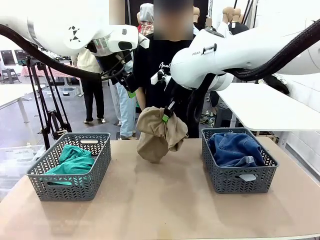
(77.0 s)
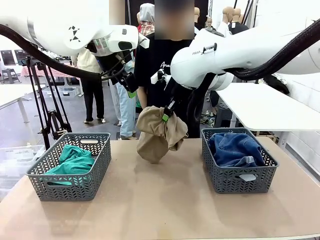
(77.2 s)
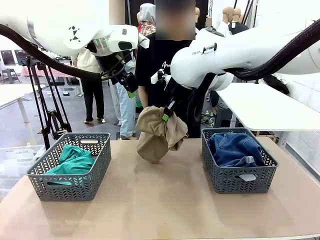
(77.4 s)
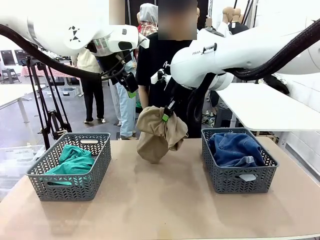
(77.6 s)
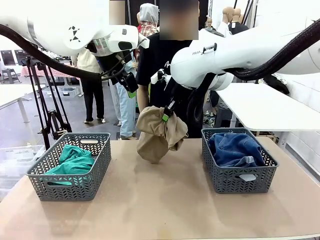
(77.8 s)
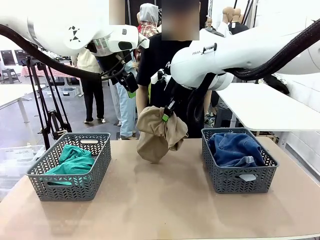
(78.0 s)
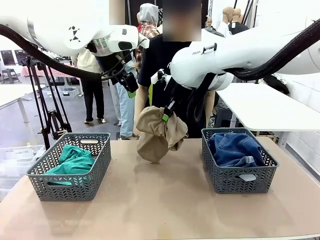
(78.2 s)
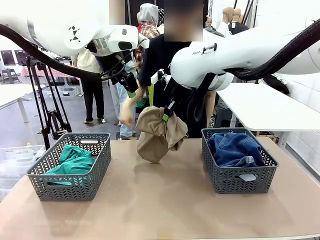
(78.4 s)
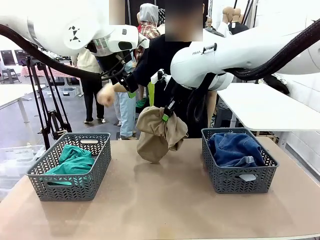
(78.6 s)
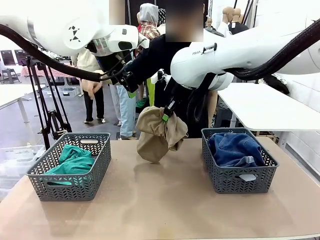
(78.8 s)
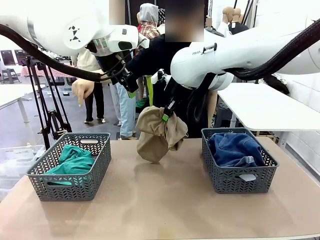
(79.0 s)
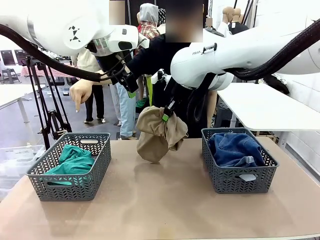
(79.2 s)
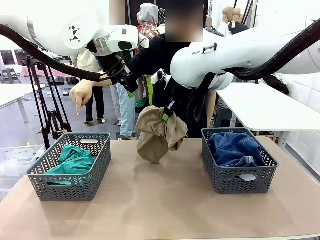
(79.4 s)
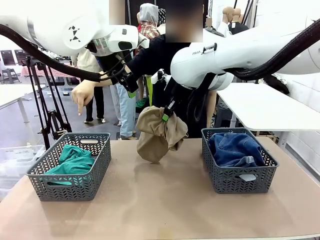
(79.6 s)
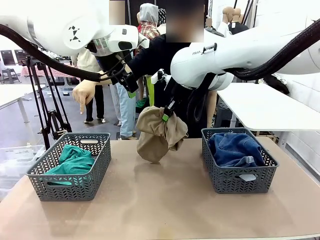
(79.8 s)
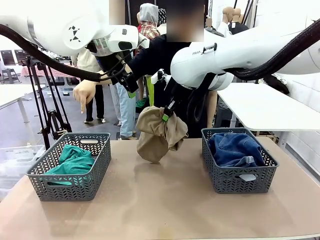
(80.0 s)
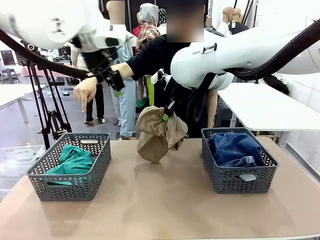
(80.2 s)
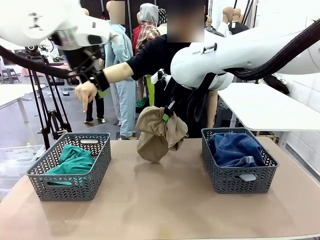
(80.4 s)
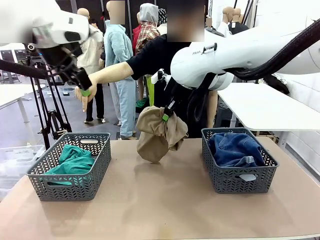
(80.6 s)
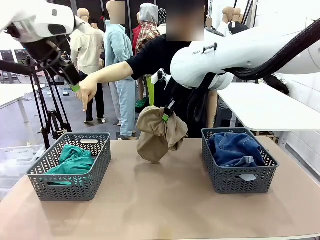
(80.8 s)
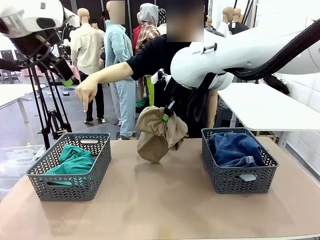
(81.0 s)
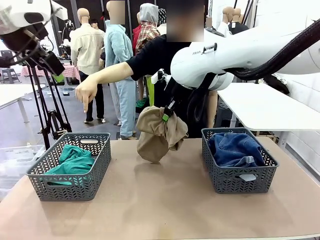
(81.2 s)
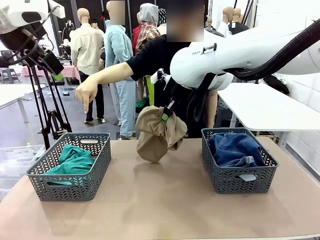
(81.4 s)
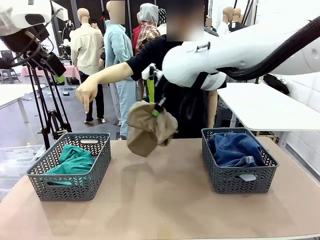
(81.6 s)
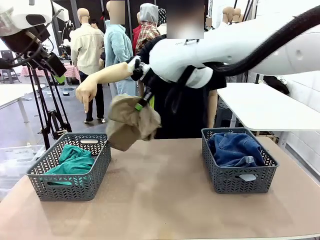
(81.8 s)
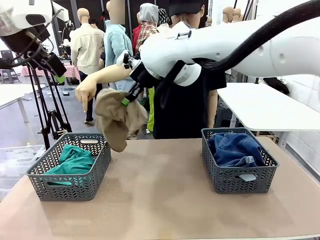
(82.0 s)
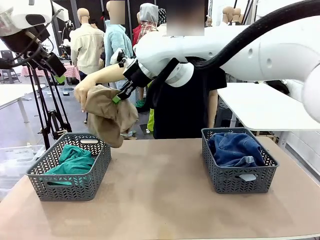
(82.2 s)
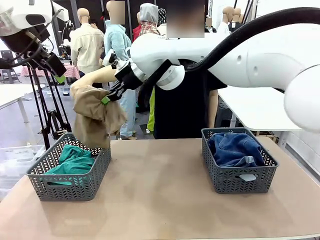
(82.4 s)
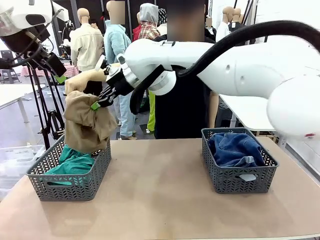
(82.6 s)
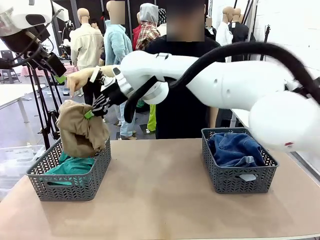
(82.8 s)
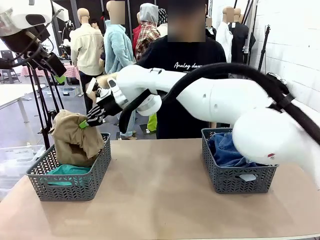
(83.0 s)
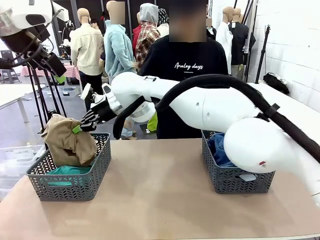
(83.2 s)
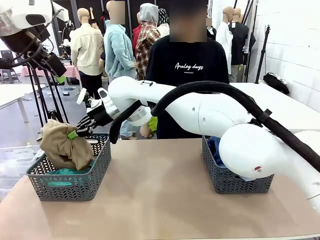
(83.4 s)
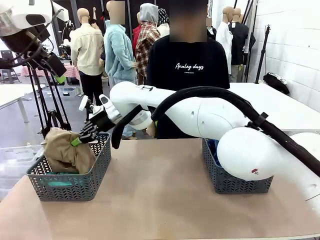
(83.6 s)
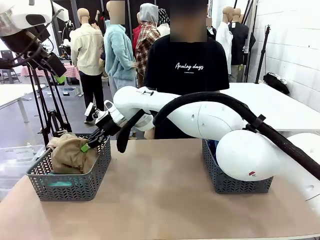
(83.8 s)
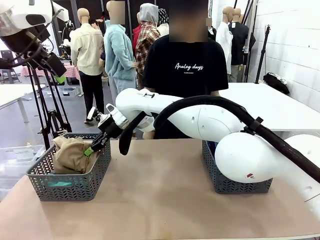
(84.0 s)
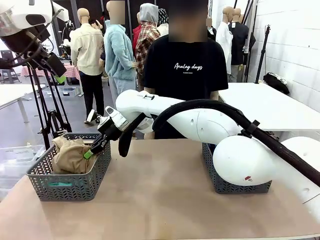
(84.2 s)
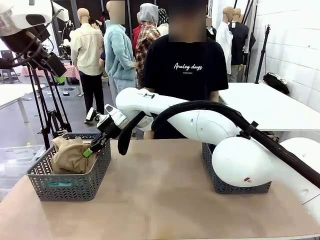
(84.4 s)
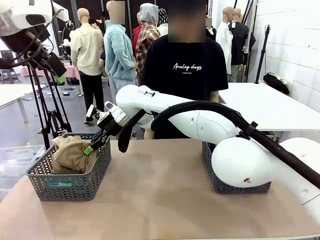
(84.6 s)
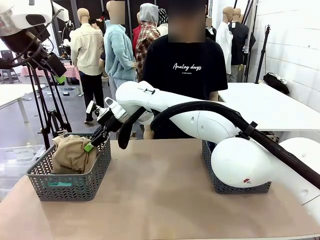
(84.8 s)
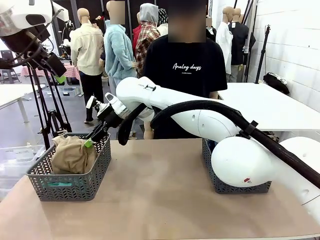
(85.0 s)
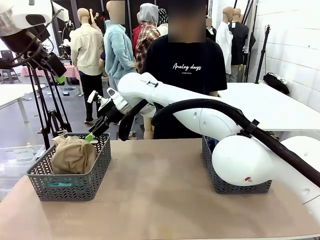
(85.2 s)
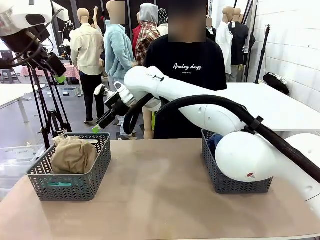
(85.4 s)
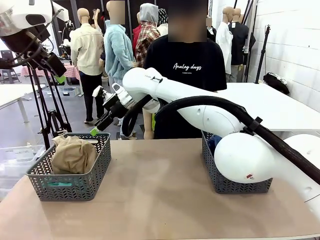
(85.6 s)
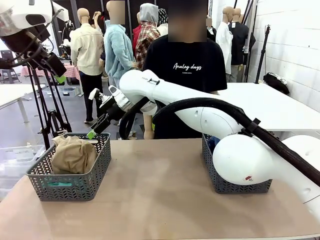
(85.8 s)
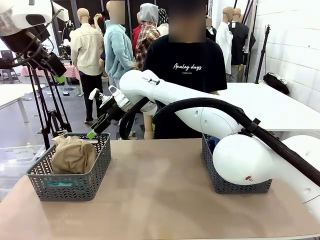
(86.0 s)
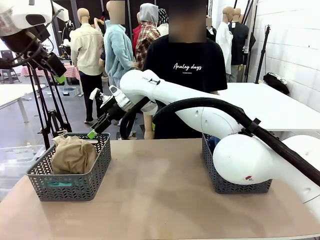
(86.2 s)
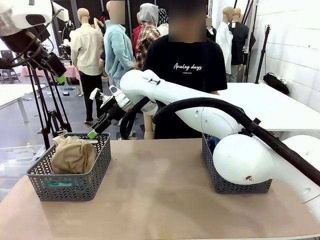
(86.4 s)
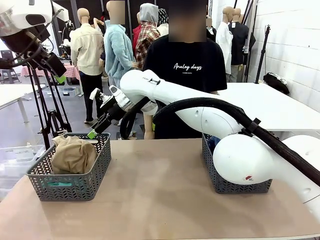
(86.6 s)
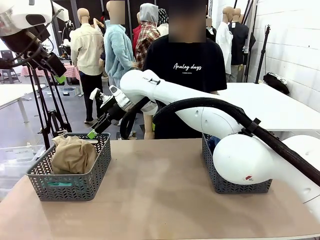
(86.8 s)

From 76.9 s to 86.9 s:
Task: Sort the tops and bottoms.
Robot: Sort the clothes according to human instructions.

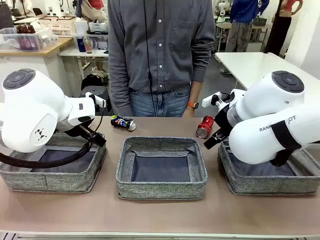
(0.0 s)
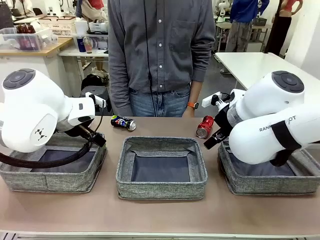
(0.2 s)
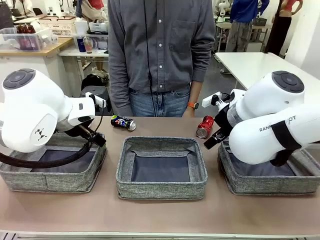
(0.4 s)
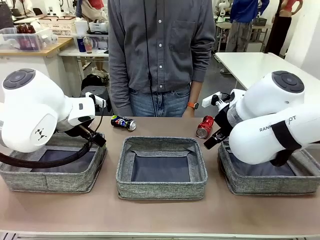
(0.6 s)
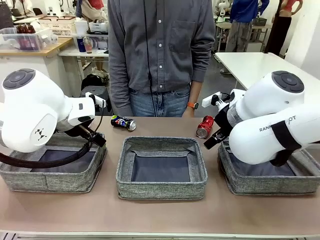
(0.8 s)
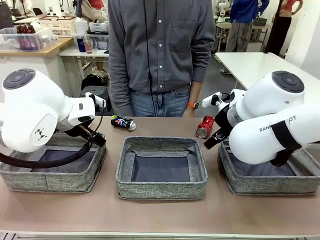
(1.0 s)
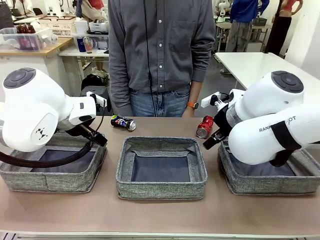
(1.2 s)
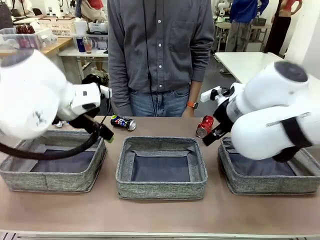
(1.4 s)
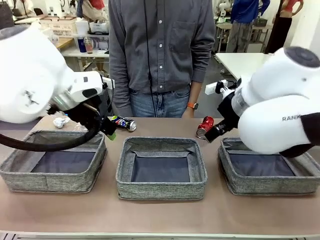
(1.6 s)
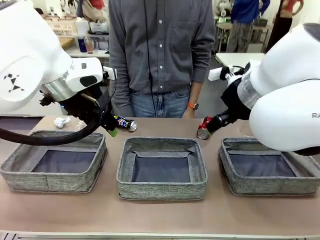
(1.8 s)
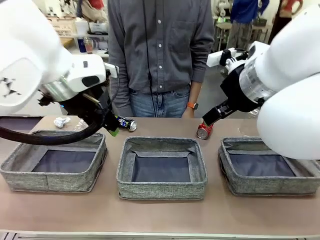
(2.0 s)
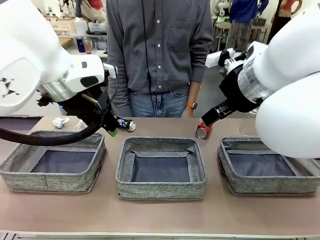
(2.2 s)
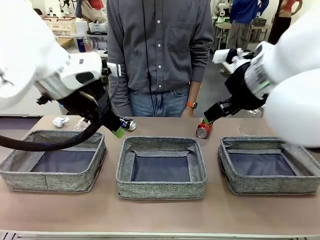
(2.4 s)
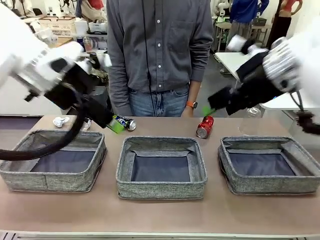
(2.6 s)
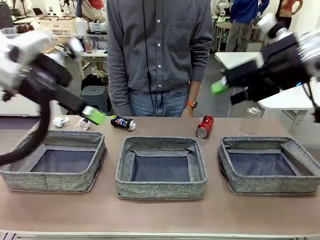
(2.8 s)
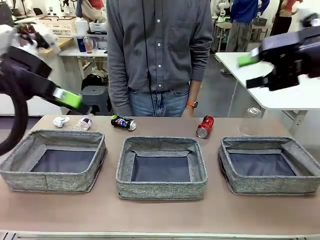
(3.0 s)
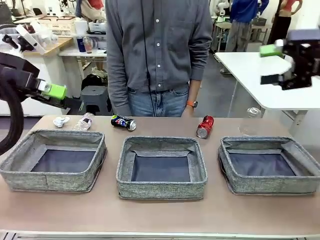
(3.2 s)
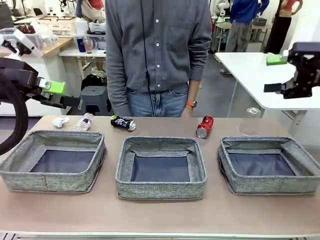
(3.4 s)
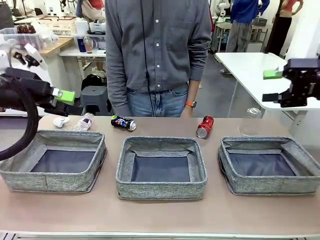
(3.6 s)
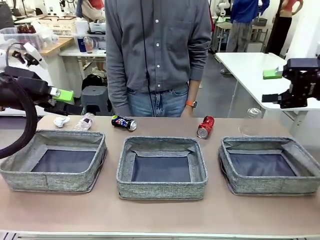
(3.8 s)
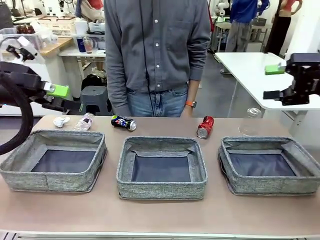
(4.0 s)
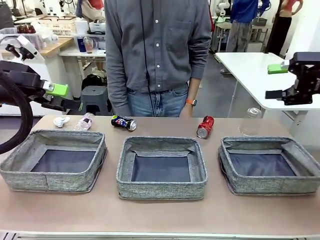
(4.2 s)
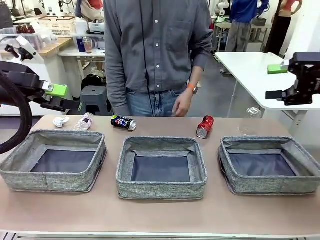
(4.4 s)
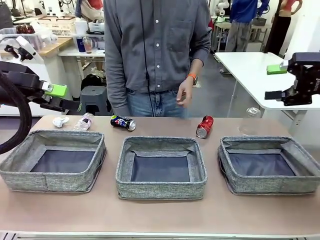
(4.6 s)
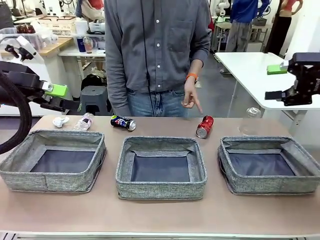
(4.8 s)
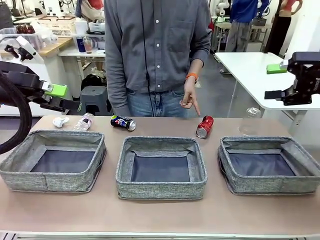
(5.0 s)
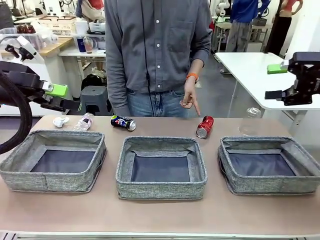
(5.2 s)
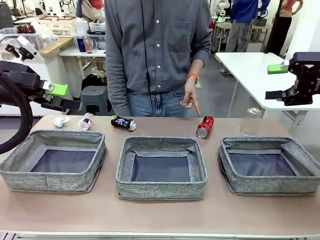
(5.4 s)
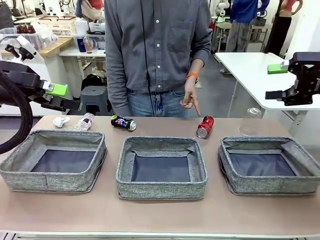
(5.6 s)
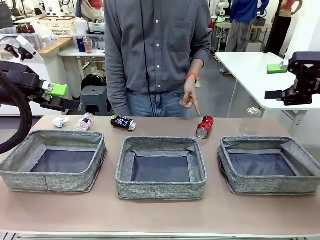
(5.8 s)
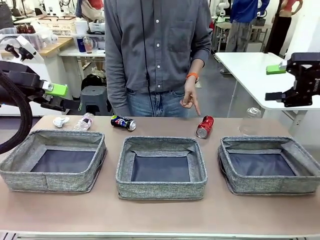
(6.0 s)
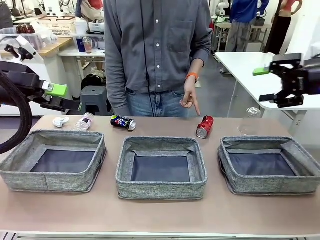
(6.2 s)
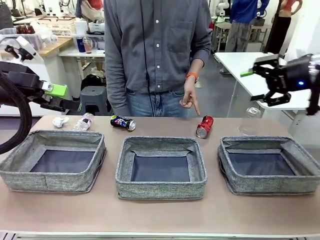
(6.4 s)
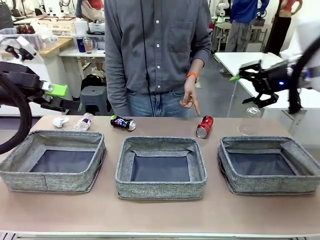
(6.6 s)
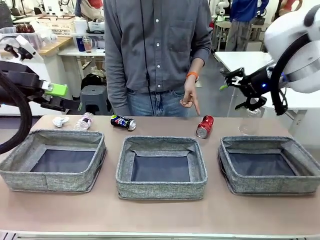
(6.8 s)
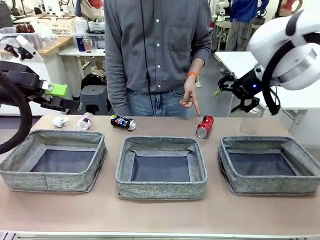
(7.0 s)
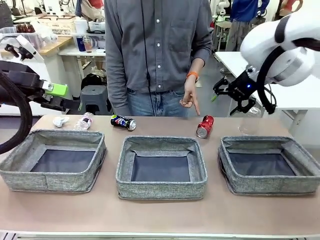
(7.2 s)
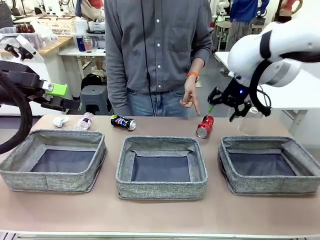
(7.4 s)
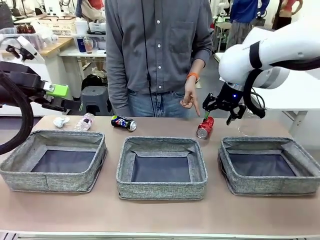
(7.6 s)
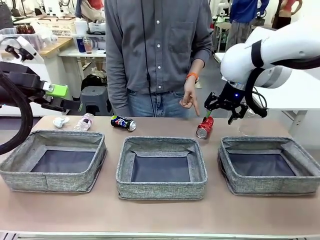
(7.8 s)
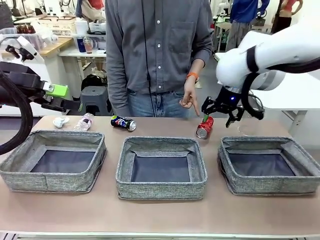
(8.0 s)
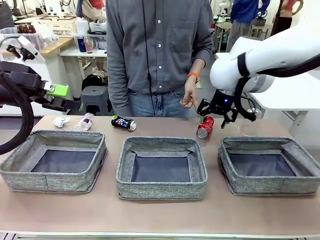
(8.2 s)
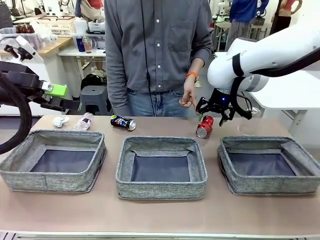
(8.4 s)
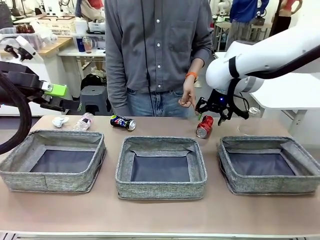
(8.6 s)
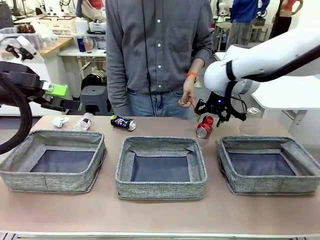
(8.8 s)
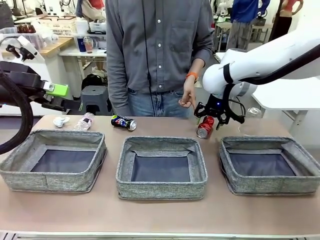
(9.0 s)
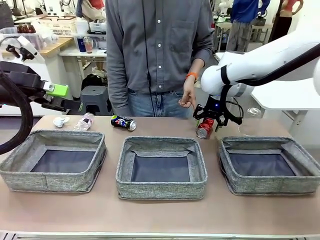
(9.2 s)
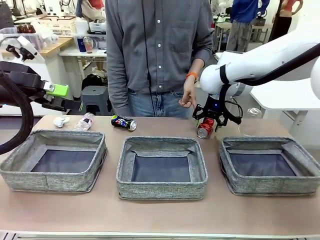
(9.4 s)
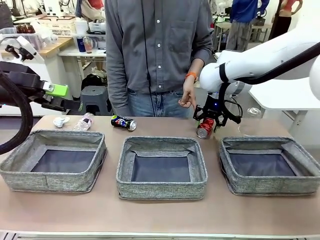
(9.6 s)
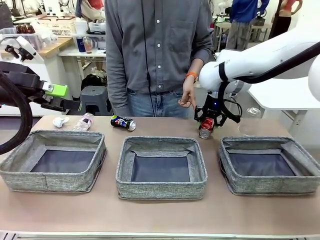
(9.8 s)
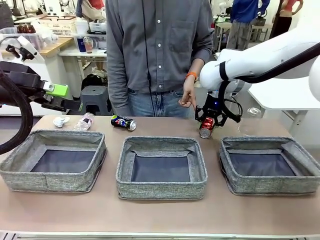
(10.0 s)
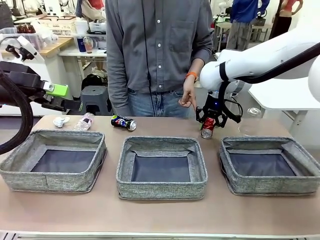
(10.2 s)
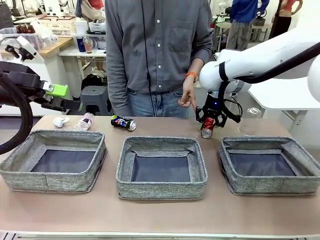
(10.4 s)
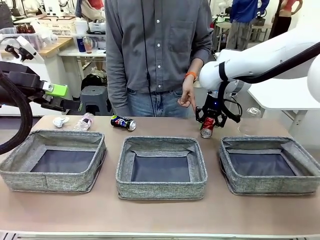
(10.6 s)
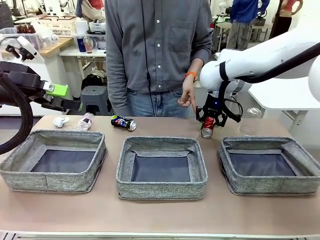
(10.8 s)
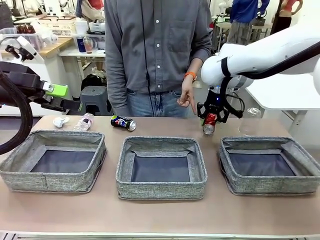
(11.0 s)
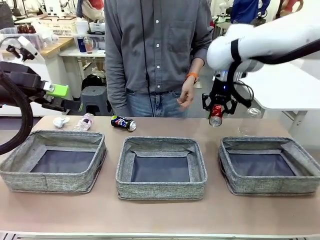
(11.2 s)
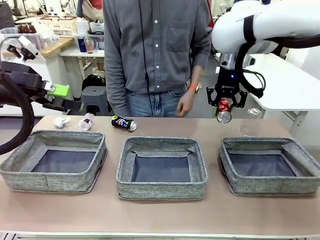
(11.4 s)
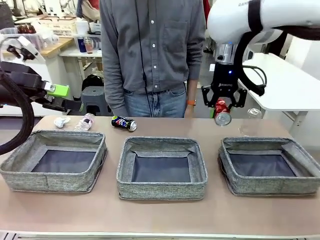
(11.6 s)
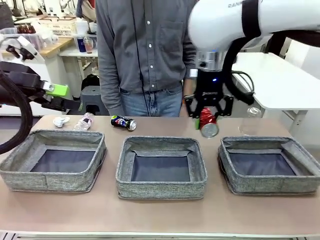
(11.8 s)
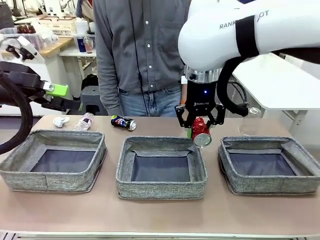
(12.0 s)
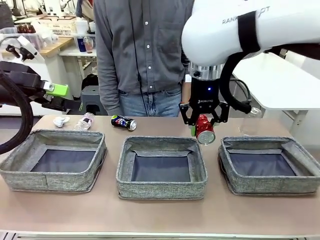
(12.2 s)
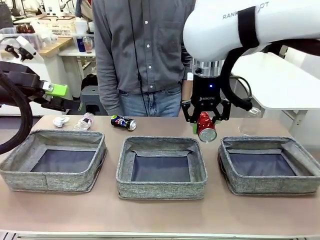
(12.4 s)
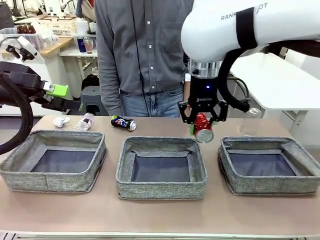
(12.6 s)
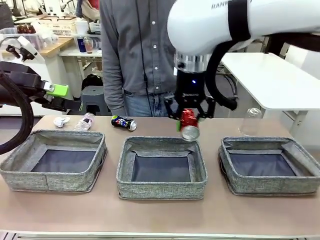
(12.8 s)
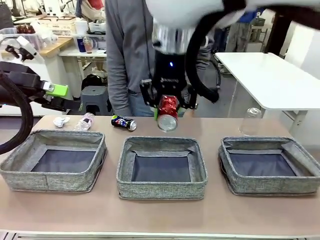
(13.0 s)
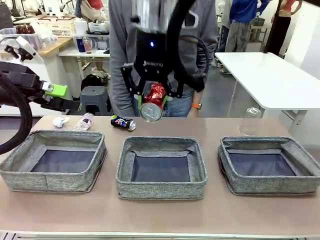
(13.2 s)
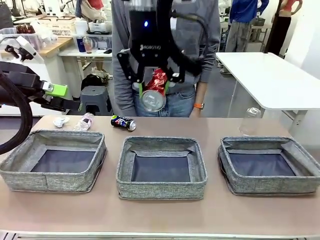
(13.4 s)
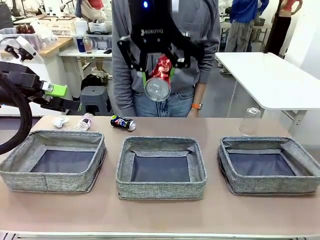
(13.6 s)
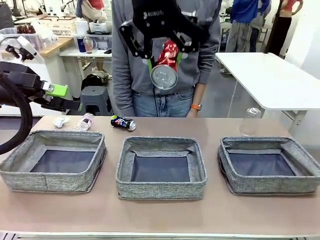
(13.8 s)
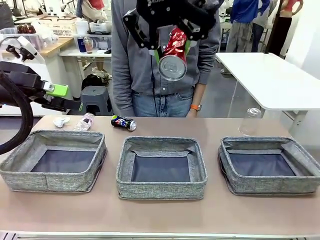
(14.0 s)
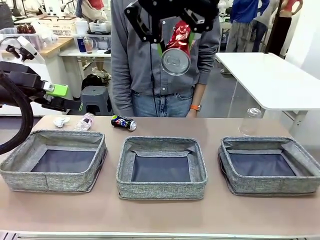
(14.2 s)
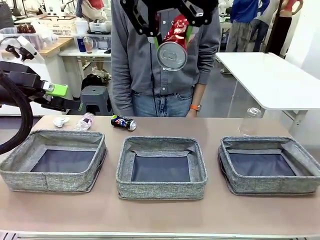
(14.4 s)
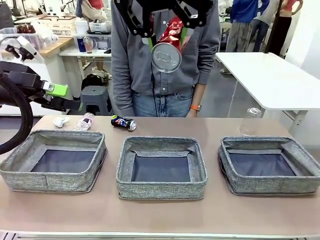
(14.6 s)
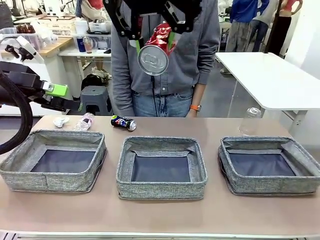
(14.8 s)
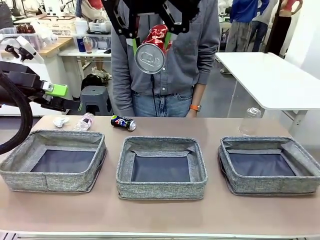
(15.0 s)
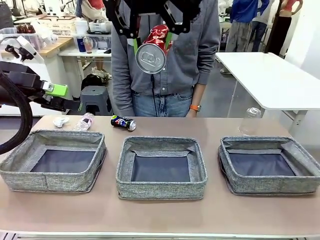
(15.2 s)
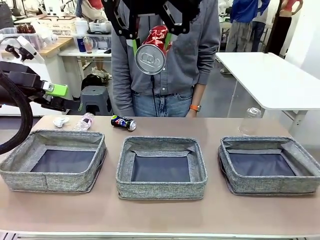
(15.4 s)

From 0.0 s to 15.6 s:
Task: Sort the waste into the appropriate baskets.
Robot: Pick up the waste item pointed out by the person.
Person: Points to one piece of trash on the table.
